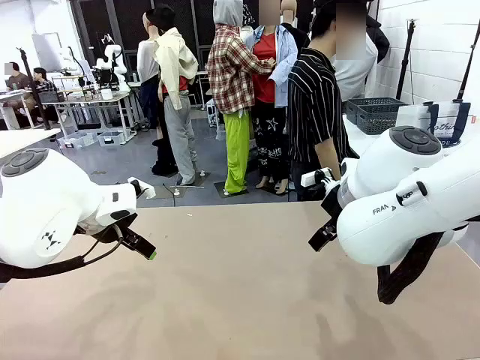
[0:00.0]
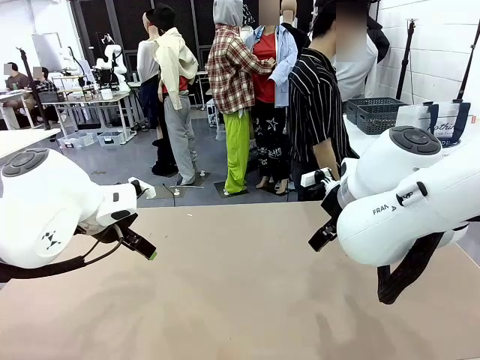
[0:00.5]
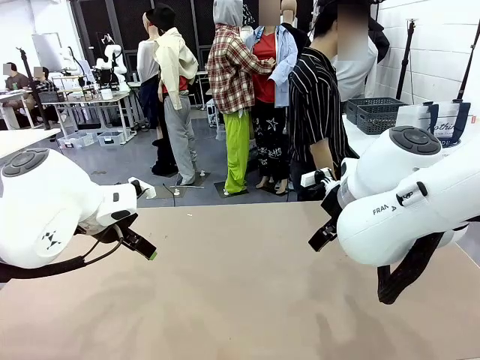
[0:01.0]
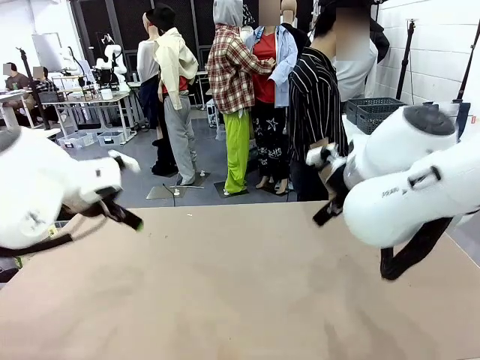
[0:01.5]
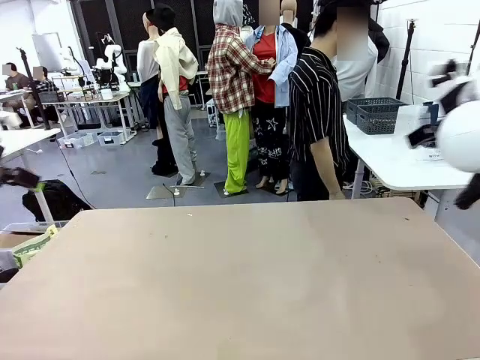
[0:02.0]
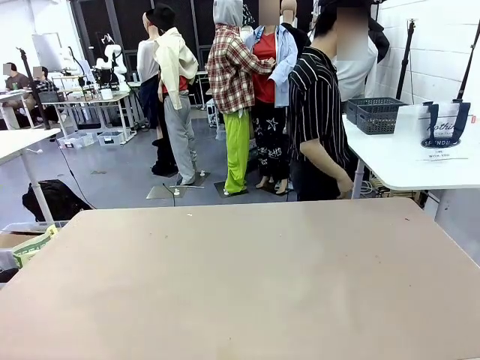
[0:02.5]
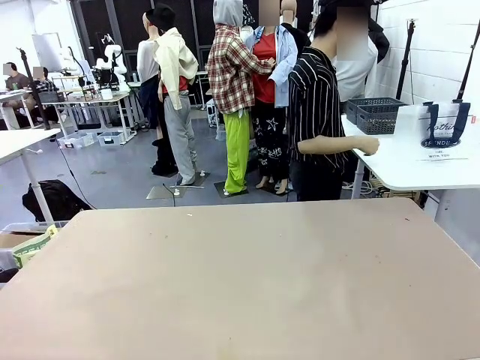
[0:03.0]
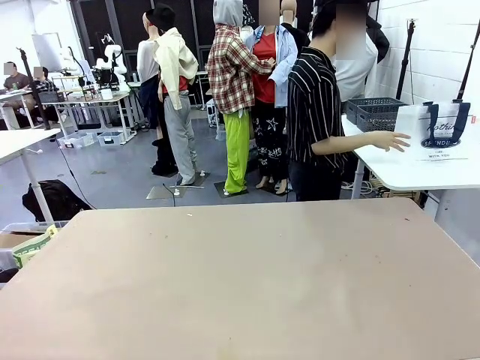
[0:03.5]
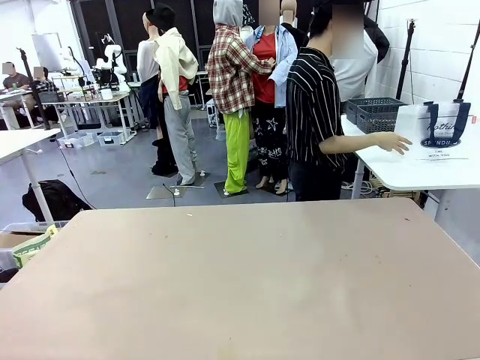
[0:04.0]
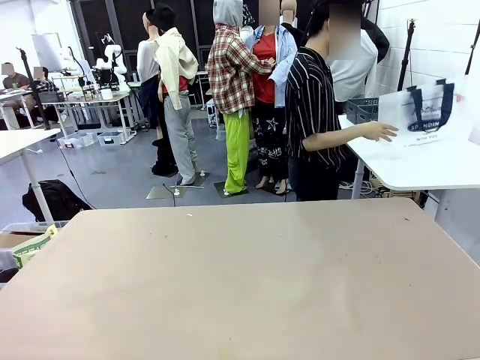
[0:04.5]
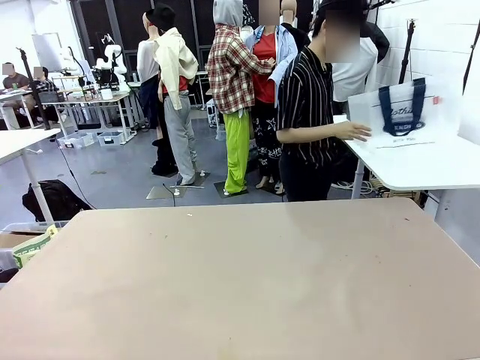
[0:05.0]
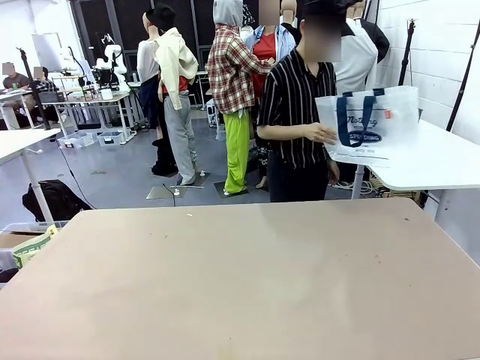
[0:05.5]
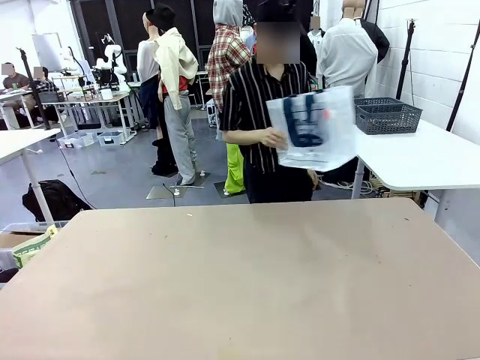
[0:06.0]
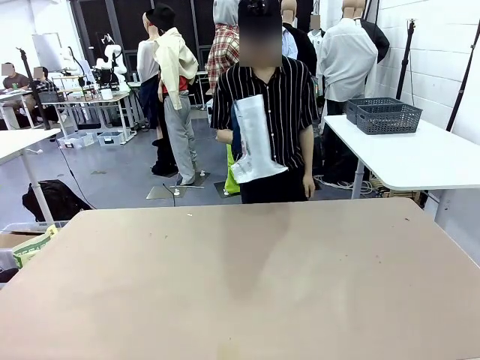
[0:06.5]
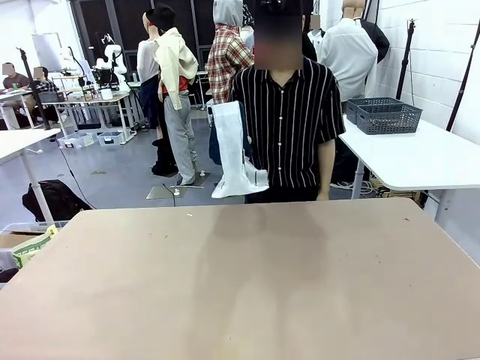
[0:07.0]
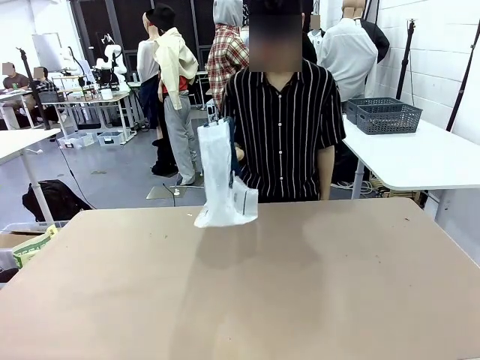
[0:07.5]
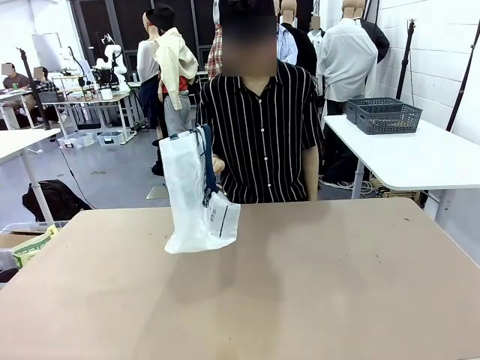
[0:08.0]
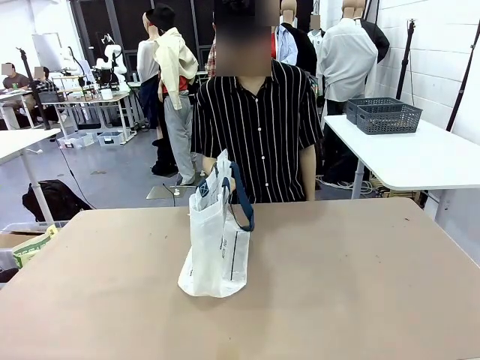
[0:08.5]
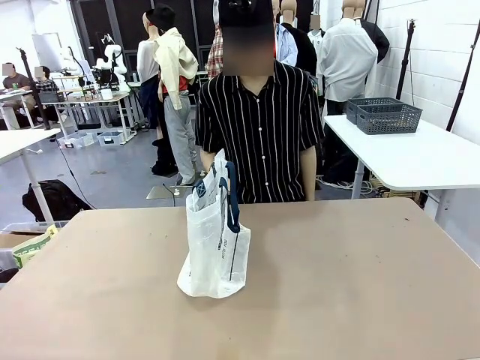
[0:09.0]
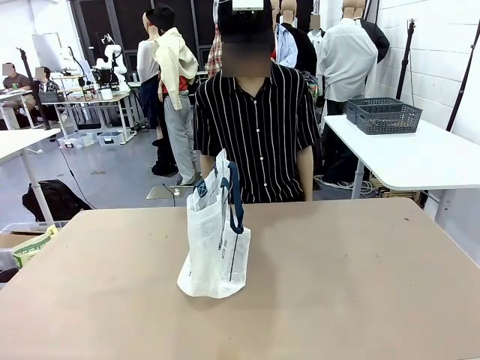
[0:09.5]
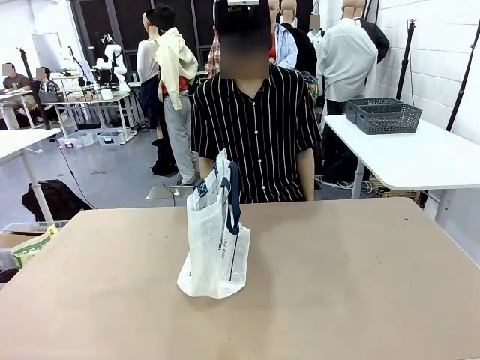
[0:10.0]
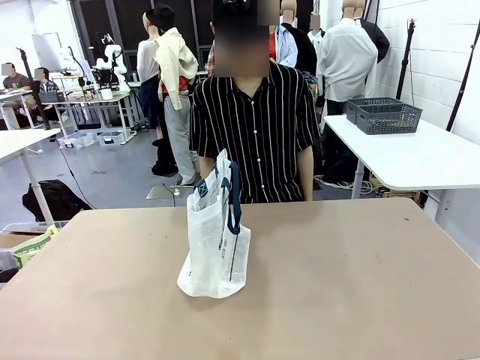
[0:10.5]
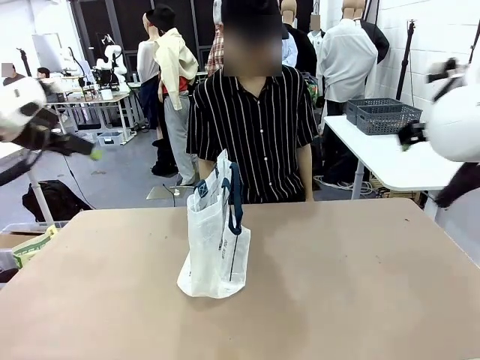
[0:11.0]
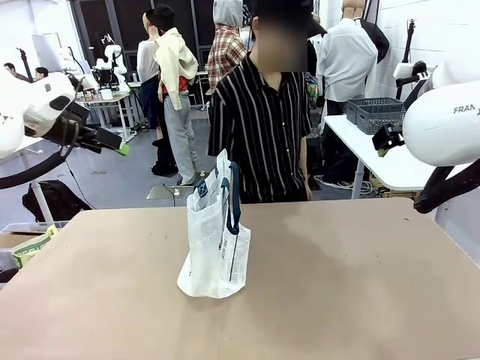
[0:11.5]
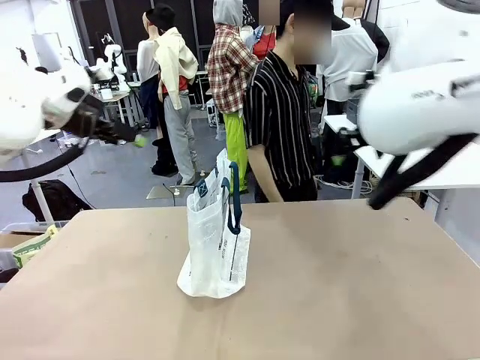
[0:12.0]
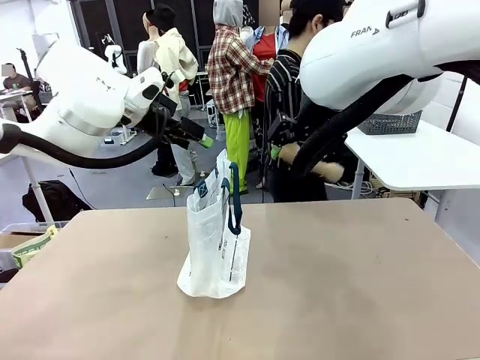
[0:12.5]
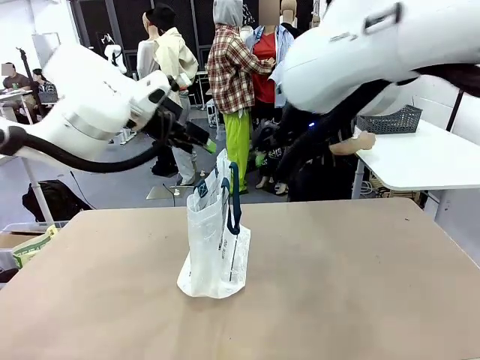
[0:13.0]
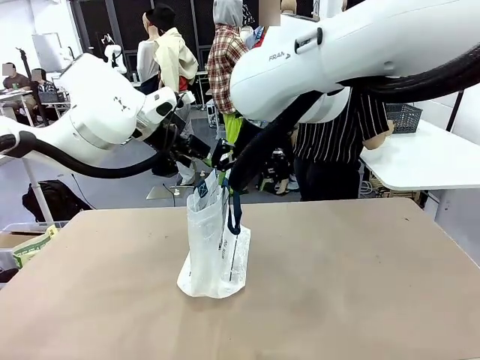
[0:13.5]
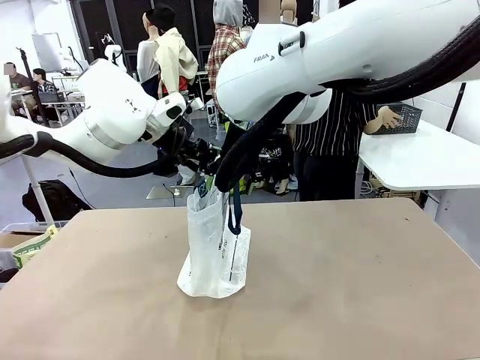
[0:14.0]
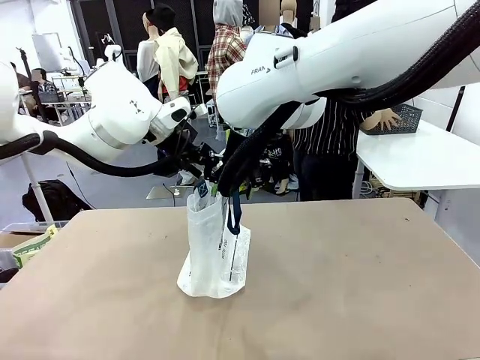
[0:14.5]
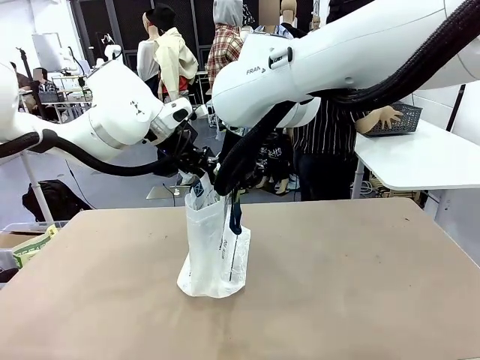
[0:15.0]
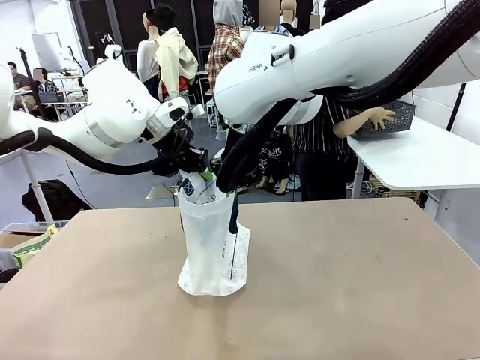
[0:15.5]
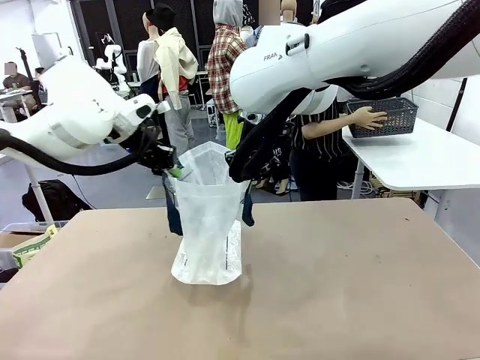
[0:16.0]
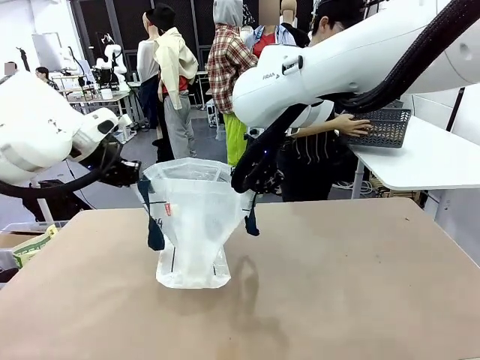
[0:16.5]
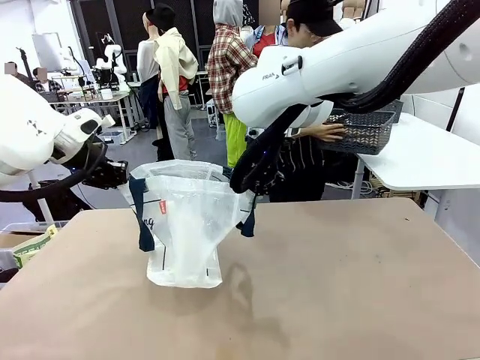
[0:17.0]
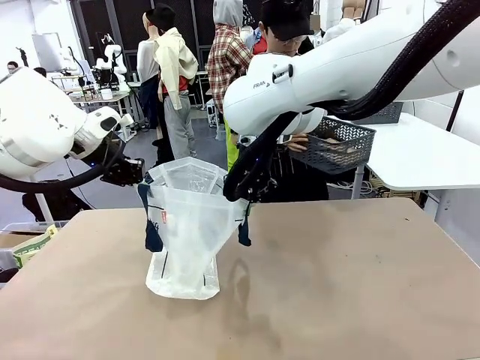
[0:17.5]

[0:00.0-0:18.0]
Task: Transfer purchased items from the store into the shopping bag.
Robot: Open the Reusable shopping bag in the center of the table.
Person: Pick up the shopping bag and place it in the middle of the robot table. Pick up the basket on the right, place it on the left side of the robot table, and move the items in the basket to the shopping bag.
